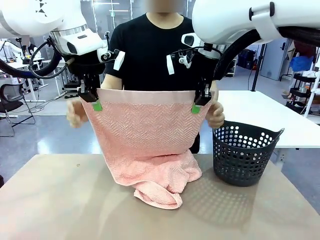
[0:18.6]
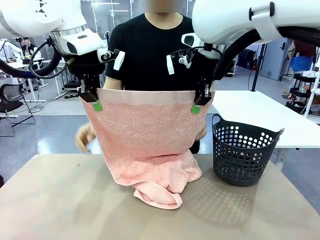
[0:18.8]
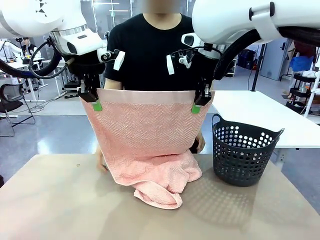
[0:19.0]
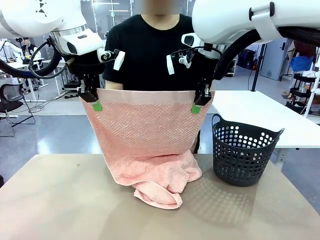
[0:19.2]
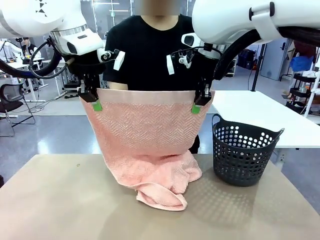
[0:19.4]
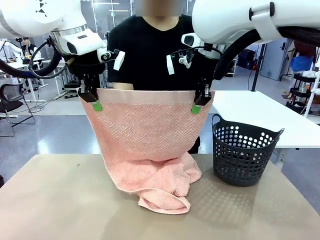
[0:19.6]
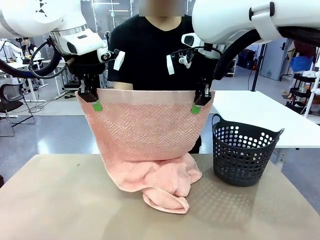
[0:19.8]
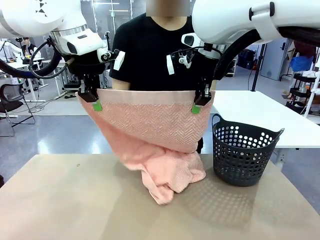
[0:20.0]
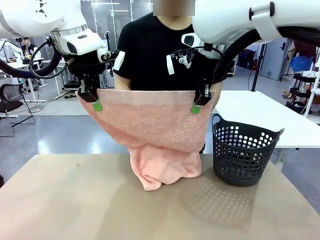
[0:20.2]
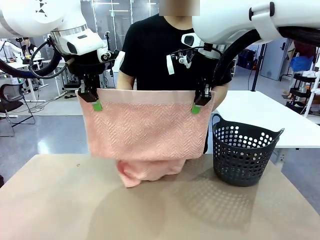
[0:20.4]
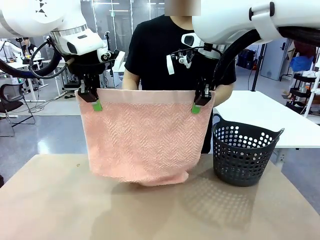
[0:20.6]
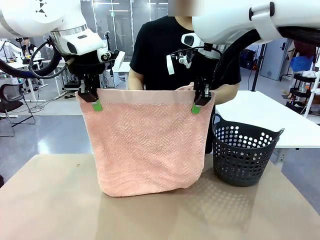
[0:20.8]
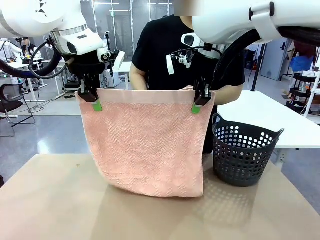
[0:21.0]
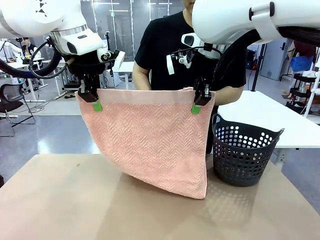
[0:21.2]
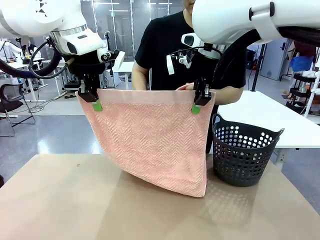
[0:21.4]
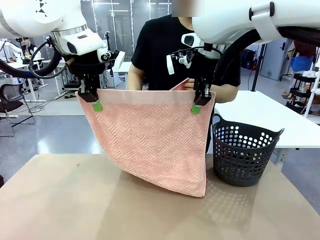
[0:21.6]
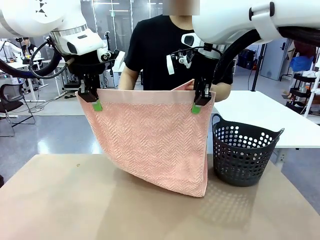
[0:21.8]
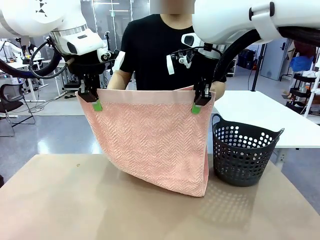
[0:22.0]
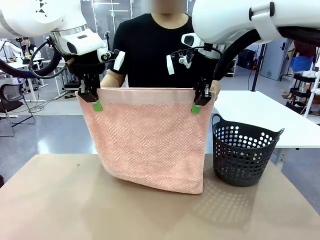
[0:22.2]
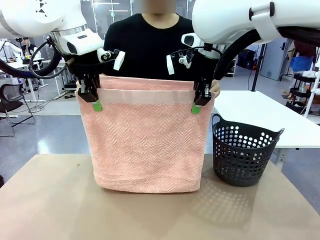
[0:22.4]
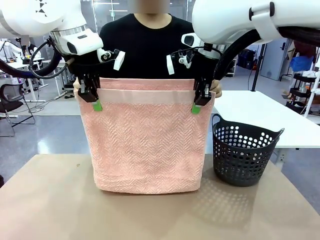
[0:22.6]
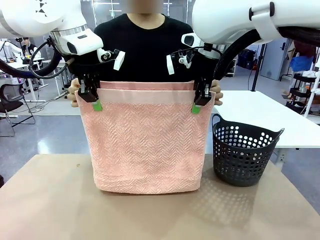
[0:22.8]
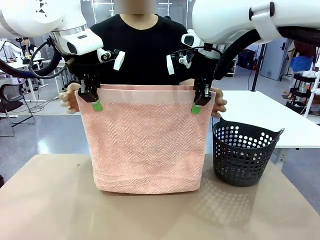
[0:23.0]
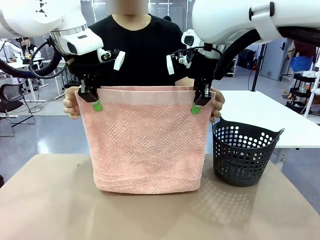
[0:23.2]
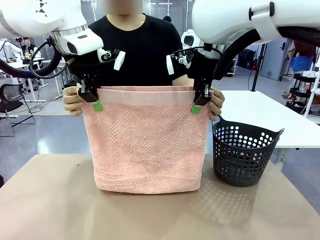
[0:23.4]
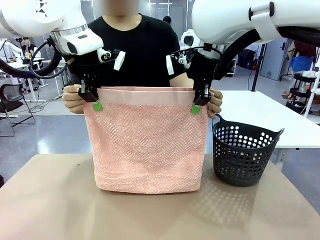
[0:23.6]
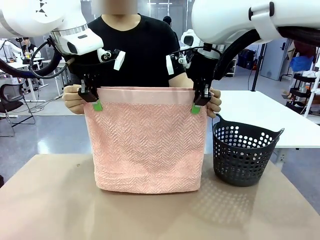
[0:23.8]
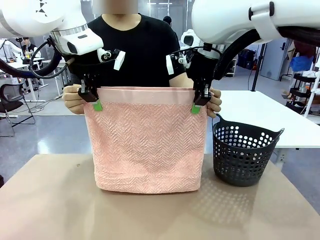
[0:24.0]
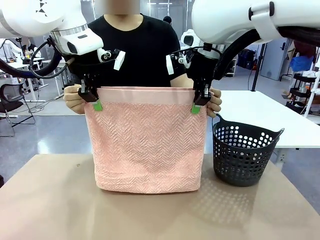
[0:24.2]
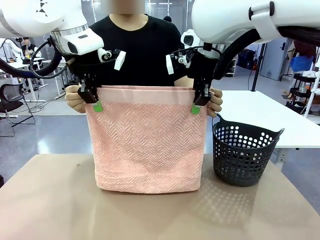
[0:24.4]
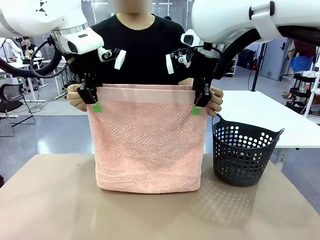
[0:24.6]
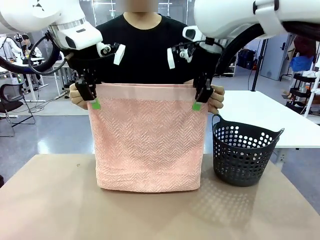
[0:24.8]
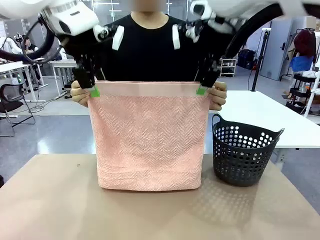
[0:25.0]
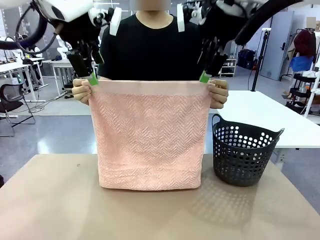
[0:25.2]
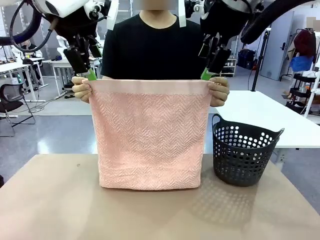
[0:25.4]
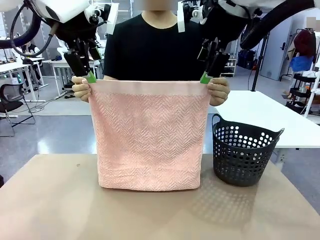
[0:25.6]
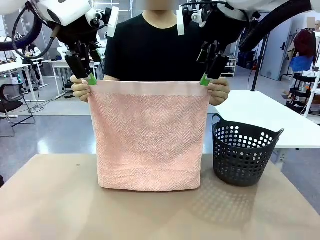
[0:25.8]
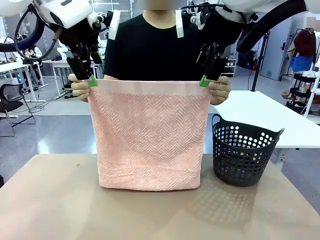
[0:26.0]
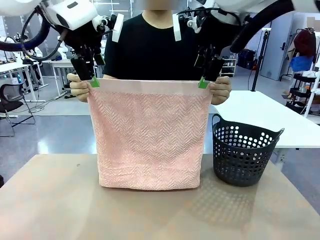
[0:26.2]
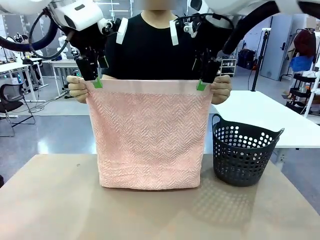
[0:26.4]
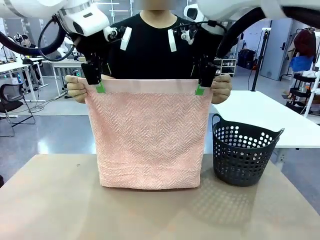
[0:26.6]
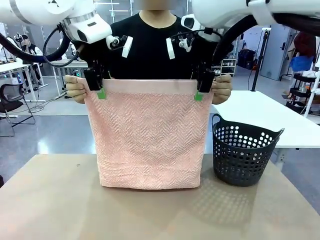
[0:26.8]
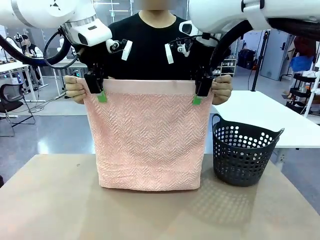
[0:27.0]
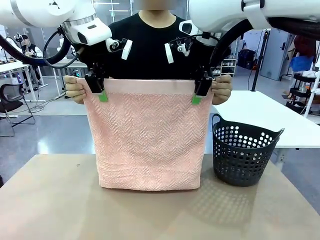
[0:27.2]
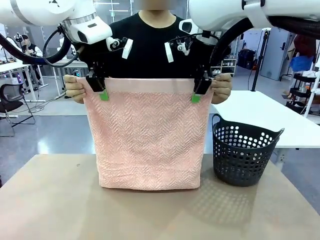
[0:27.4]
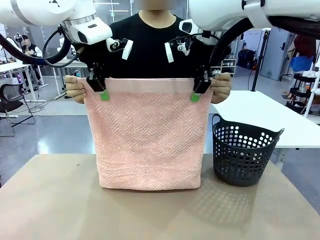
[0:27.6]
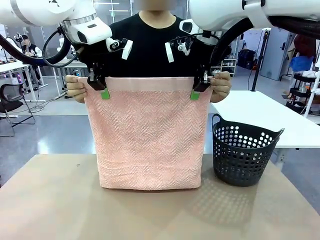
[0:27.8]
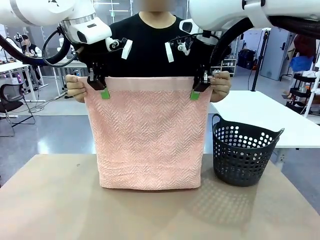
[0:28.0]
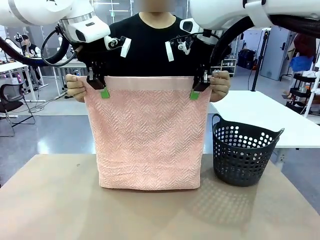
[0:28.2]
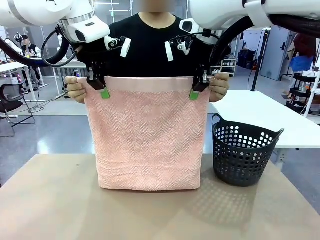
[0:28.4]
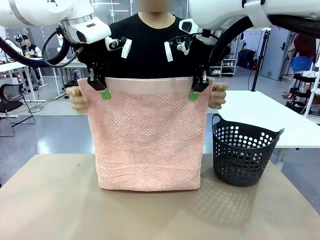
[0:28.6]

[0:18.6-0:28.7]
Task: Fold the towel.
Robot: Release the end of the 100 cm Hotel Towel you were holding and grab the top end of the folded side.
Person: Using the point held by the robot as a reference, grasp the opposite end, fold the towel in half, and then hold both ends of the folded towel.

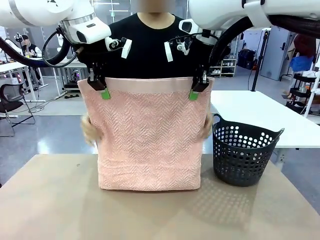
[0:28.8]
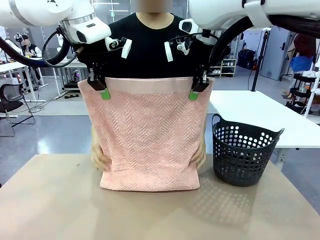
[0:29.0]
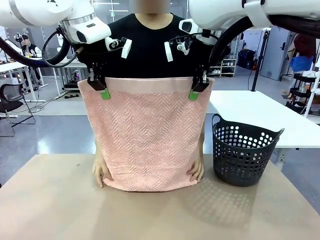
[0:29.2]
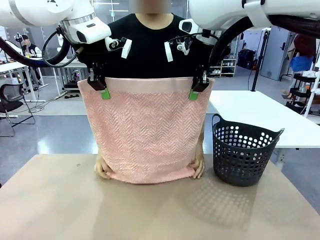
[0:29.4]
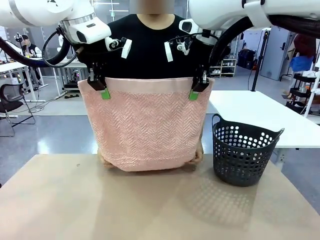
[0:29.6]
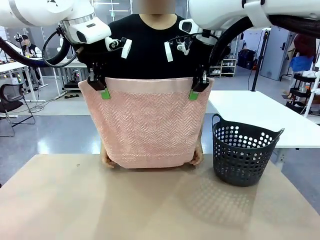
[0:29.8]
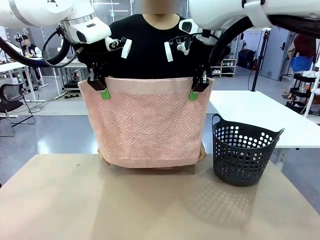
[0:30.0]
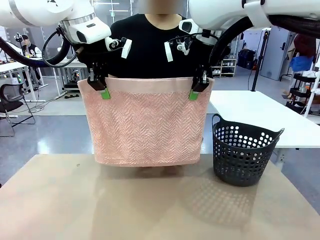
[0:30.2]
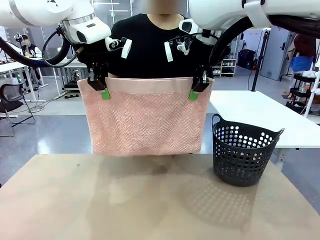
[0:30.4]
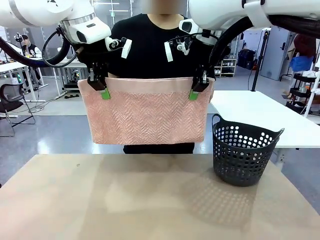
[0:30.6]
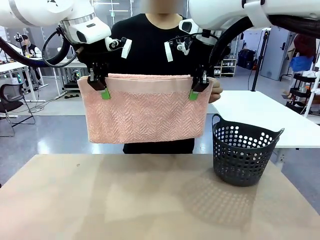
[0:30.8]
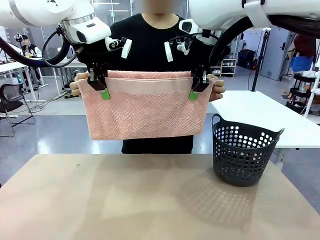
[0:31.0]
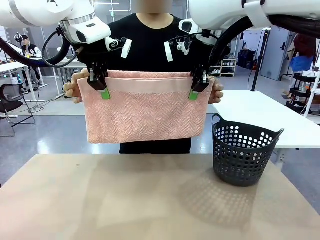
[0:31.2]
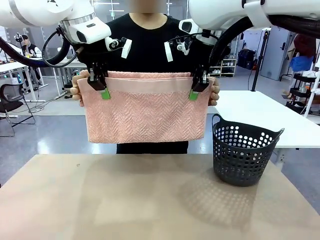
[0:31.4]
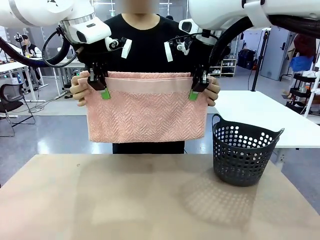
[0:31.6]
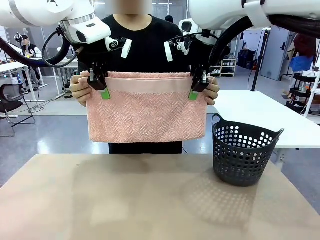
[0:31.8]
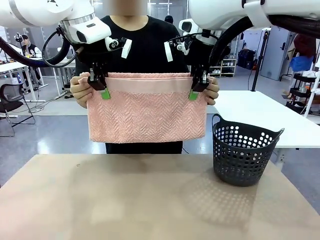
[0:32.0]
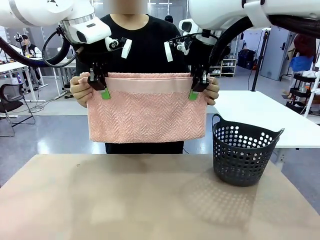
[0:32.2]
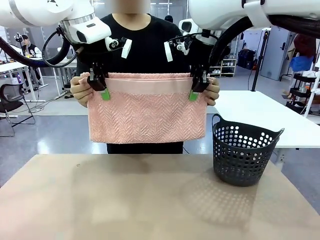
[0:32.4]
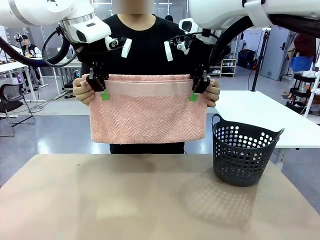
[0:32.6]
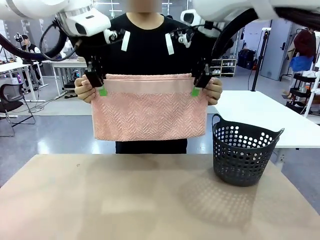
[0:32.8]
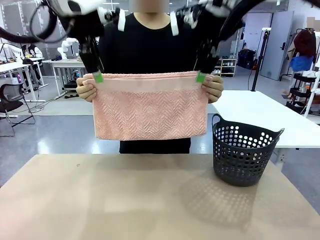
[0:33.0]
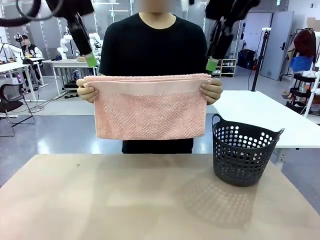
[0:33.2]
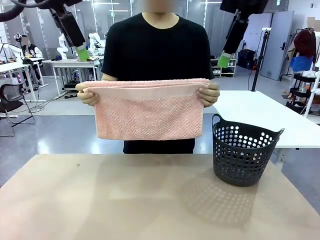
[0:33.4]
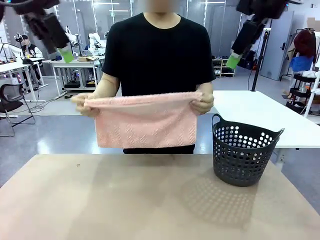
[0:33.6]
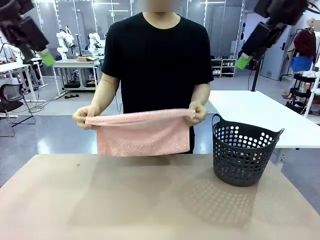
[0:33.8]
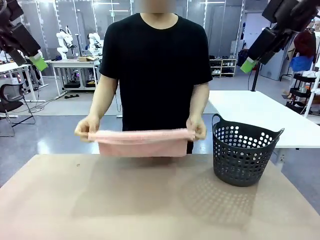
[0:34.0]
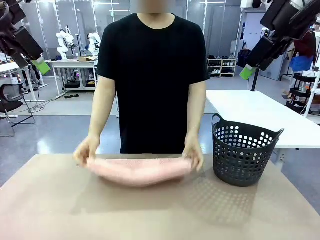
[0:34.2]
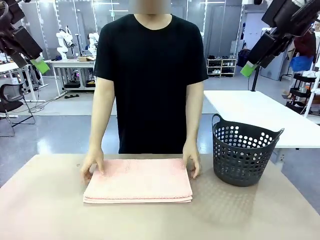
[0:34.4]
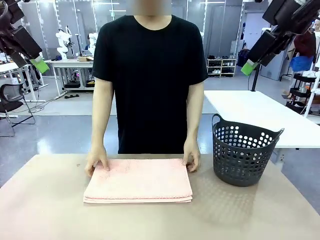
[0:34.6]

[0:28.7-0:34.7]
Robot: Release the end of the 100 cm Hotel Towel you were holding.

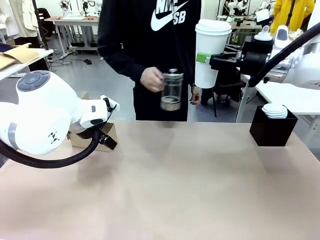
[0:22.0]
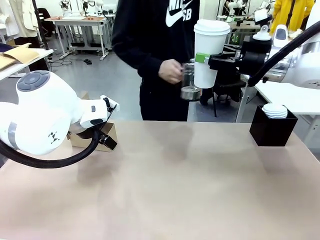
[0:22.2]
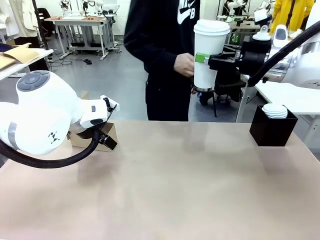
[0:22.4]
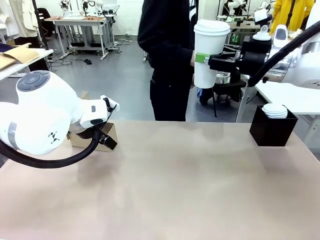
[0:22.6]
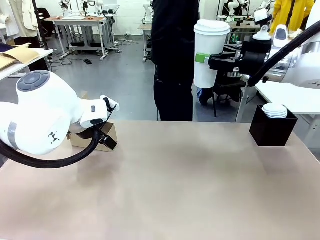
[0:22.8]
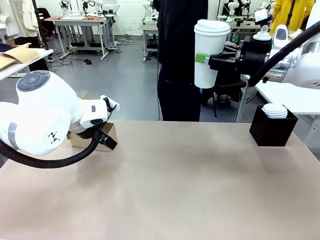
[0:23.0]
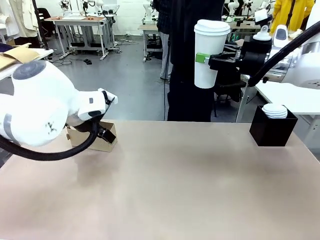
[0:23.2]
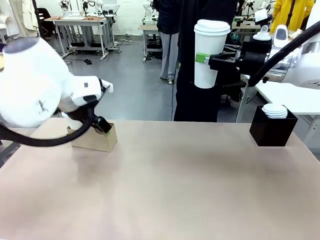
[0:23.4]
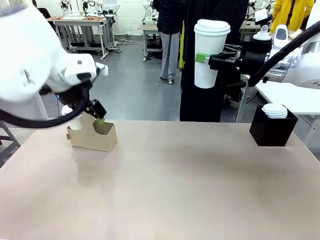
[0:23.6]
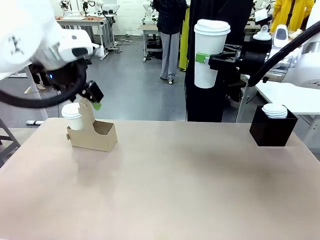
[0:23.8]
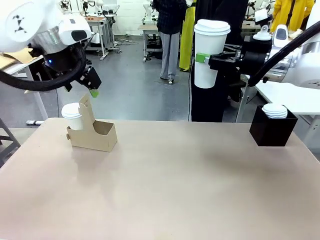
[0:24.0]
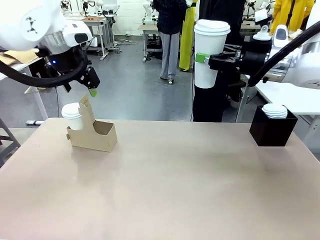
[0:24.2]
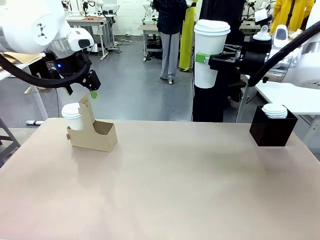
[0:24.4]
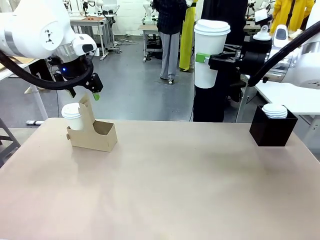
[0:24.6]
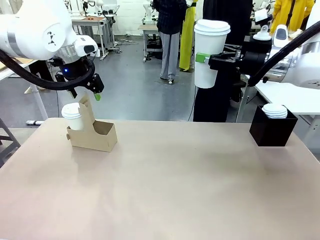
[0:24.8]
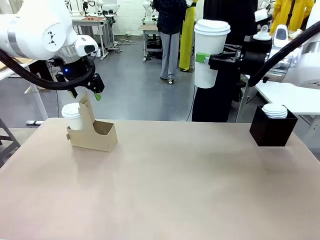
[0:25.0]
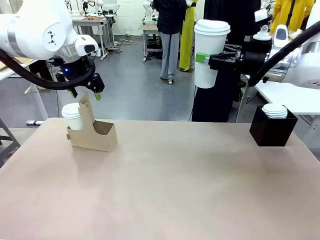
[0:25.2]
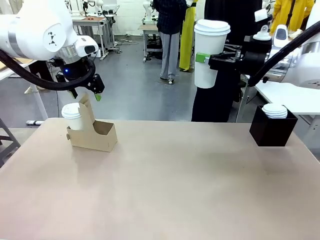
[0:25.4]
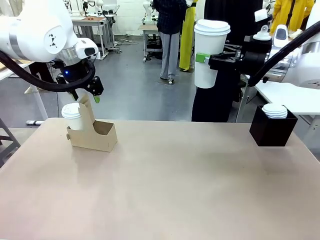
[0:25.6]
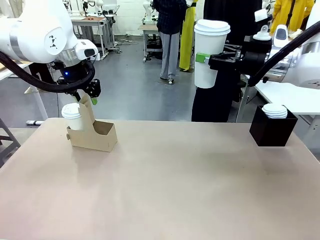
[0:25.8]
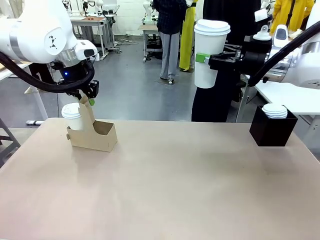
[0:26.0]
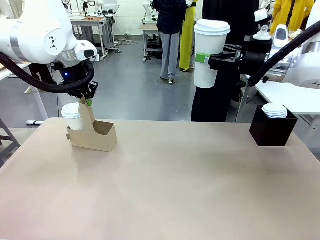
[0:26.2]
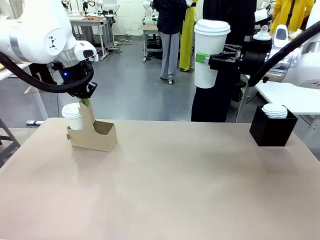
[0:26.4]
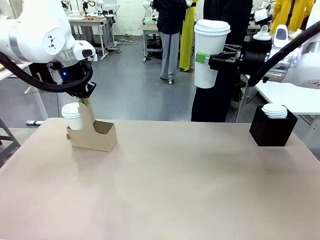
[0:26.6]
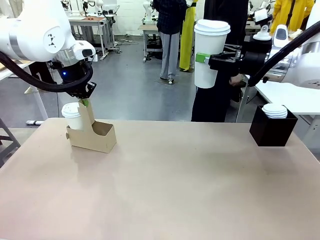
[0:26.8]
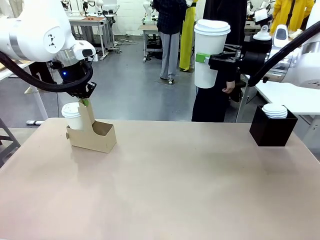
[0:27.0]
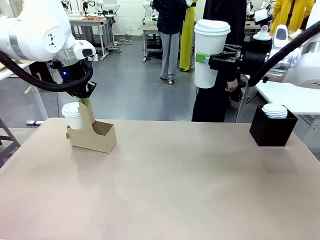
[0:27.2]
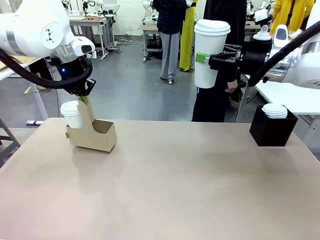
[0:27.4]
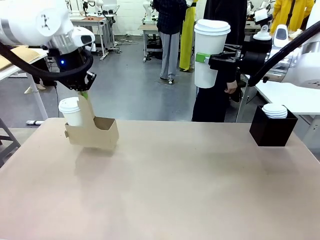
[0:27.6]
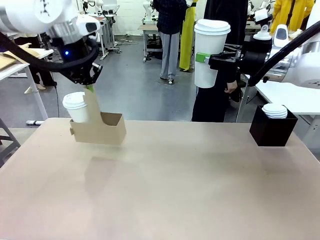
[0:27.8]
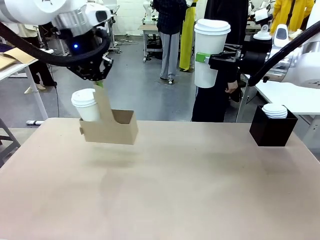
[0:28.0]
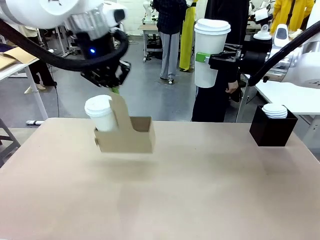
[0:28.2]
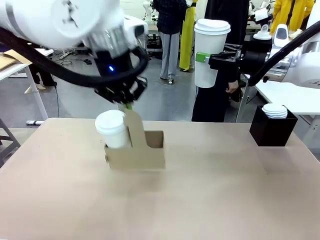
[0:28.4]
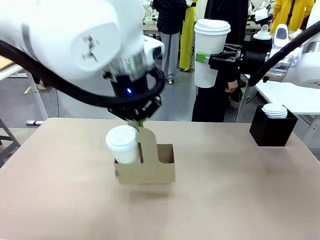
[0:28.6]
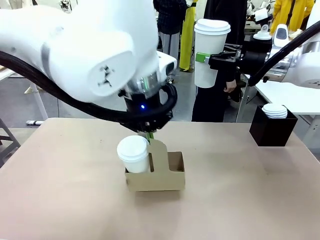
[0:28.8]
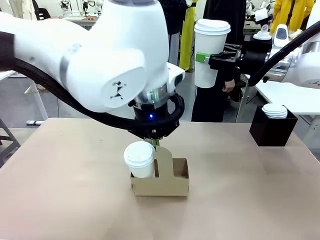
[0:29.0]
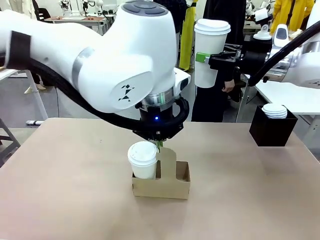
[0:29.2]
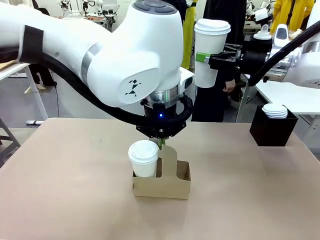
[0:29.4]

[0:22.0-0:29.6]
Task: Pour a drink into a cup and package it in a carrier.
Robot: Position the Cup Carrier in the center of the table.
Person: Pick up the Filter Brewing and place on the middle of Human table, and return to the Robot table.
